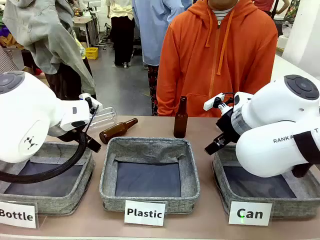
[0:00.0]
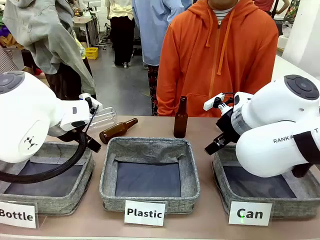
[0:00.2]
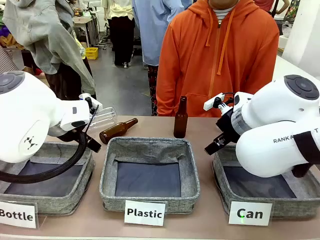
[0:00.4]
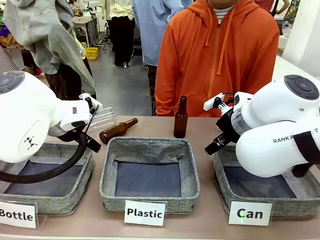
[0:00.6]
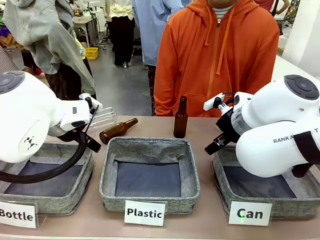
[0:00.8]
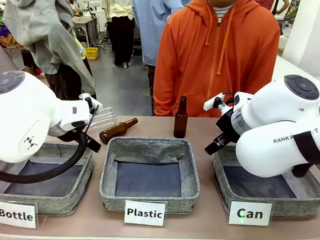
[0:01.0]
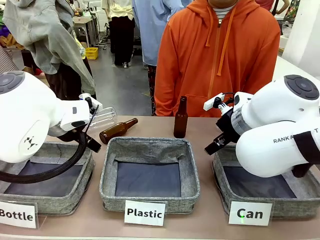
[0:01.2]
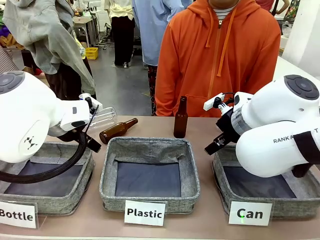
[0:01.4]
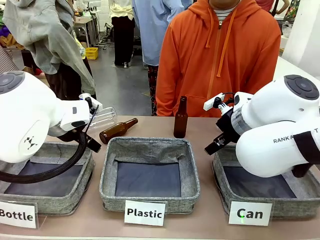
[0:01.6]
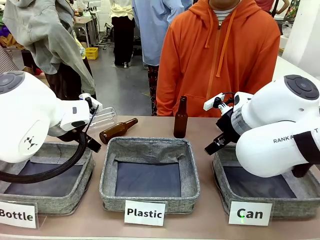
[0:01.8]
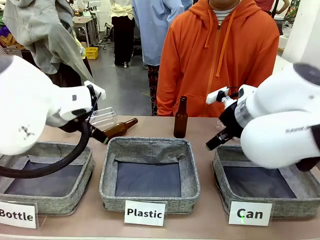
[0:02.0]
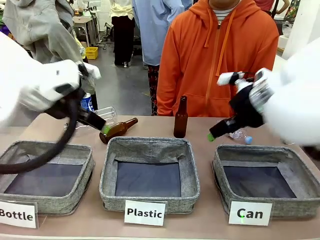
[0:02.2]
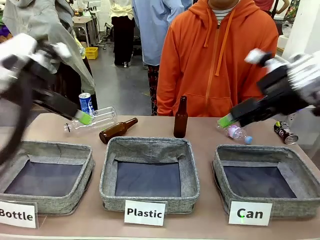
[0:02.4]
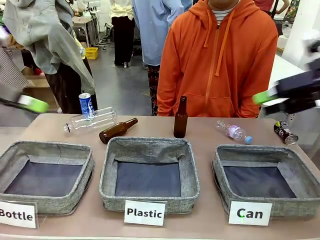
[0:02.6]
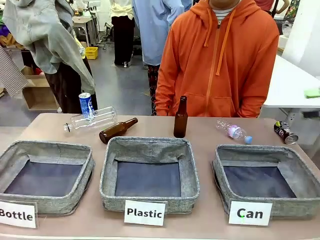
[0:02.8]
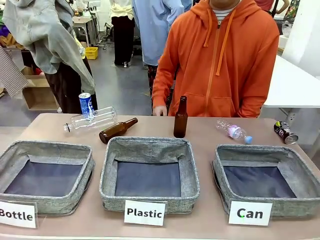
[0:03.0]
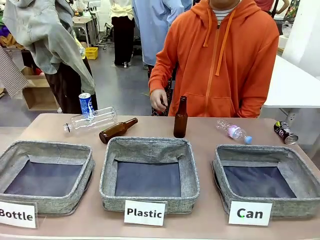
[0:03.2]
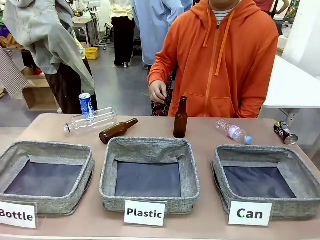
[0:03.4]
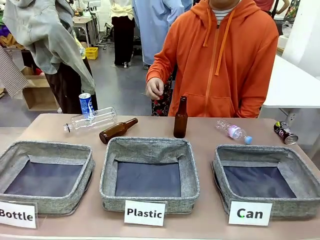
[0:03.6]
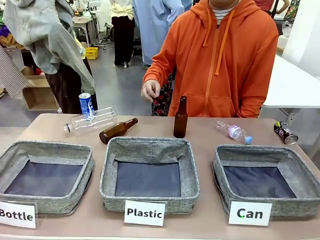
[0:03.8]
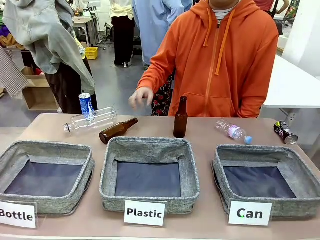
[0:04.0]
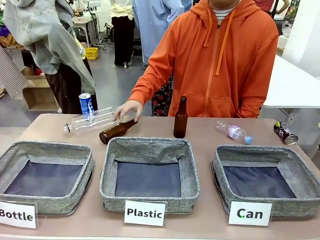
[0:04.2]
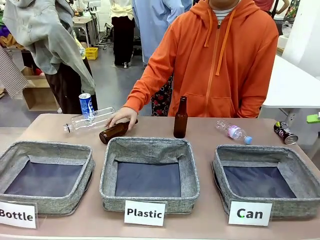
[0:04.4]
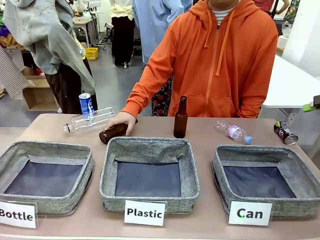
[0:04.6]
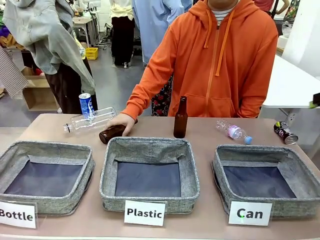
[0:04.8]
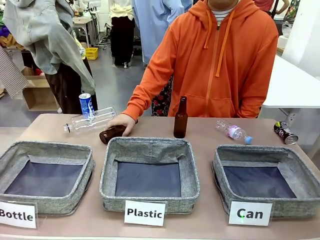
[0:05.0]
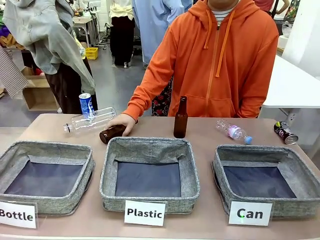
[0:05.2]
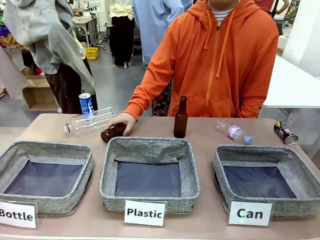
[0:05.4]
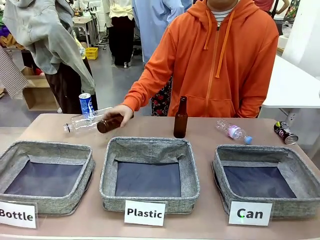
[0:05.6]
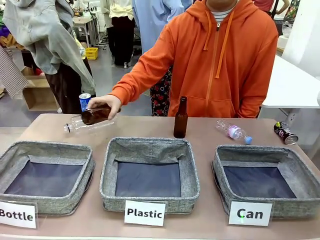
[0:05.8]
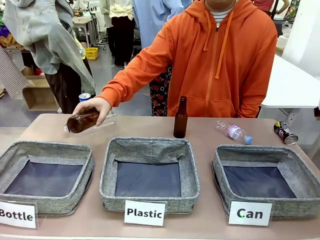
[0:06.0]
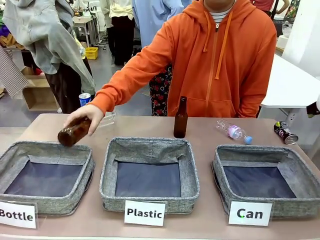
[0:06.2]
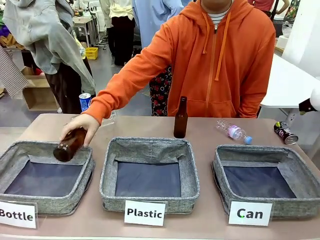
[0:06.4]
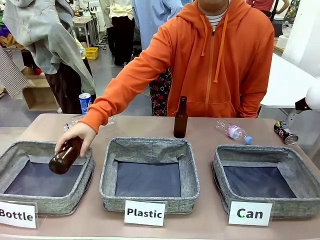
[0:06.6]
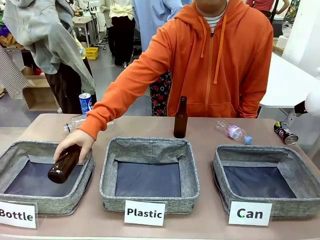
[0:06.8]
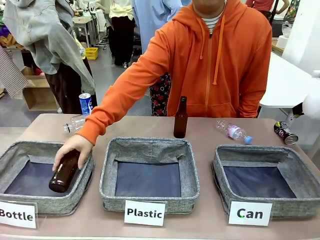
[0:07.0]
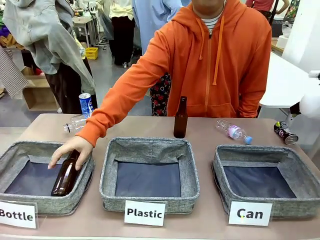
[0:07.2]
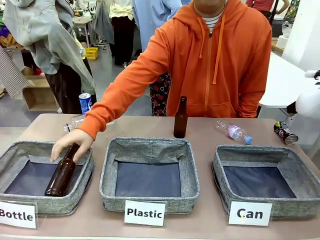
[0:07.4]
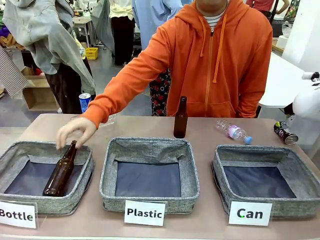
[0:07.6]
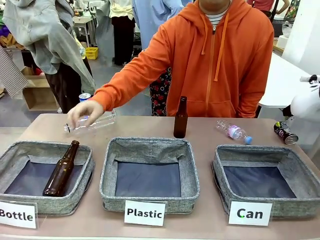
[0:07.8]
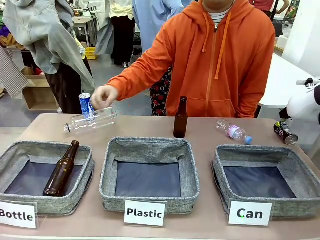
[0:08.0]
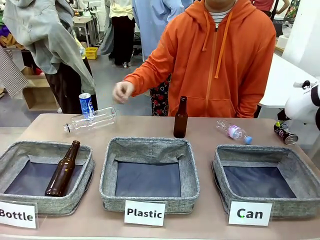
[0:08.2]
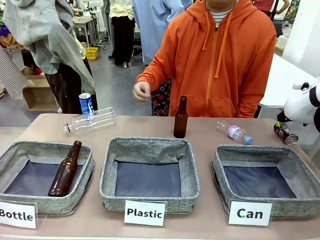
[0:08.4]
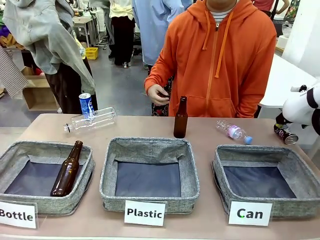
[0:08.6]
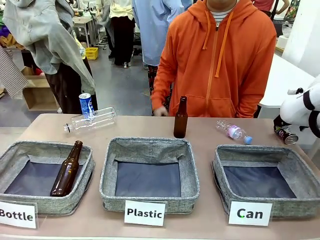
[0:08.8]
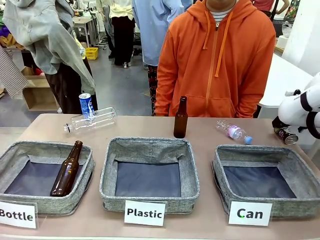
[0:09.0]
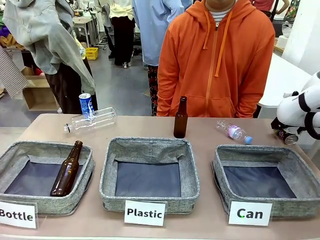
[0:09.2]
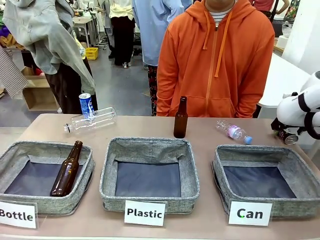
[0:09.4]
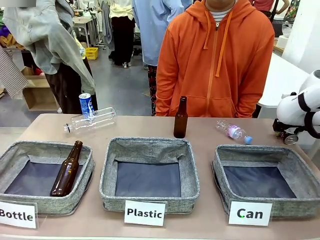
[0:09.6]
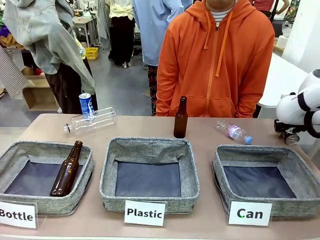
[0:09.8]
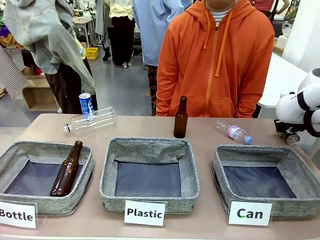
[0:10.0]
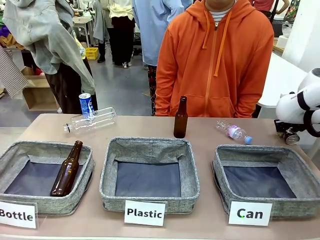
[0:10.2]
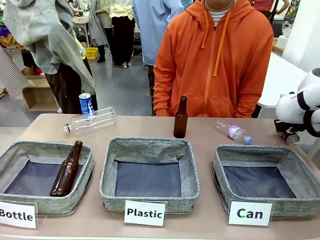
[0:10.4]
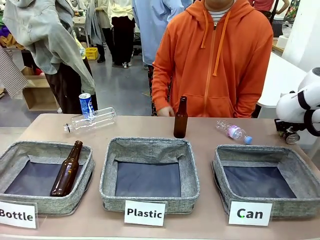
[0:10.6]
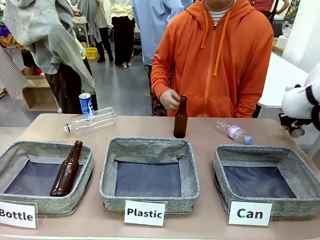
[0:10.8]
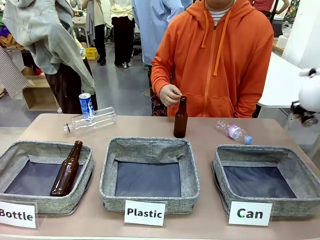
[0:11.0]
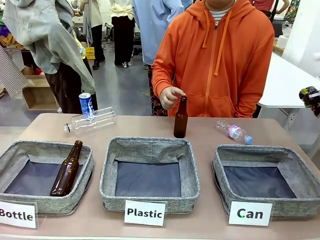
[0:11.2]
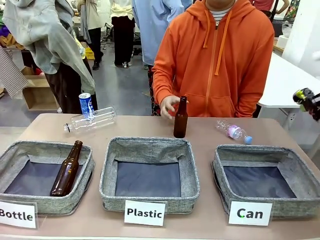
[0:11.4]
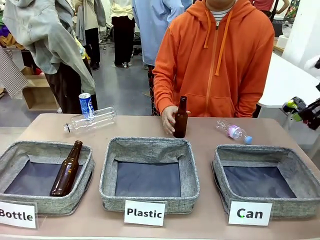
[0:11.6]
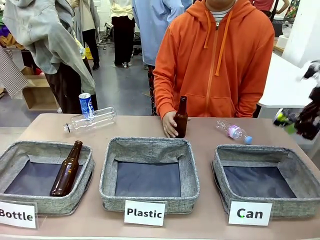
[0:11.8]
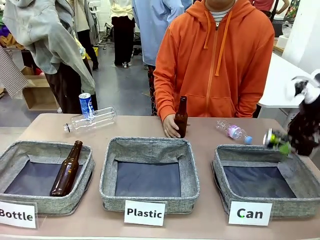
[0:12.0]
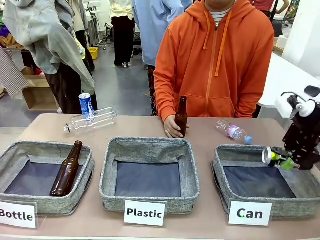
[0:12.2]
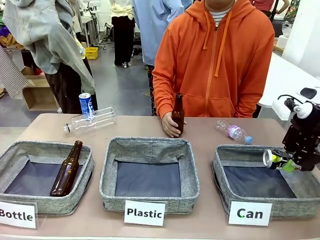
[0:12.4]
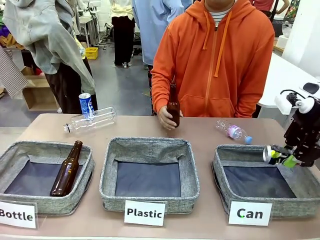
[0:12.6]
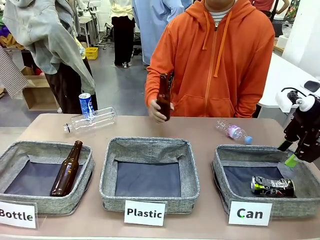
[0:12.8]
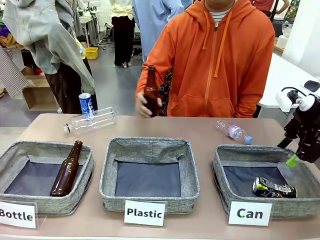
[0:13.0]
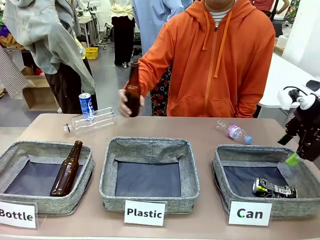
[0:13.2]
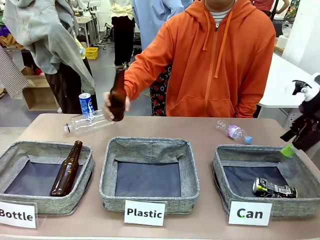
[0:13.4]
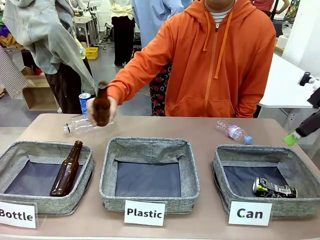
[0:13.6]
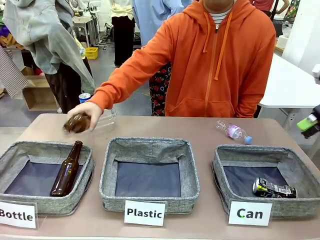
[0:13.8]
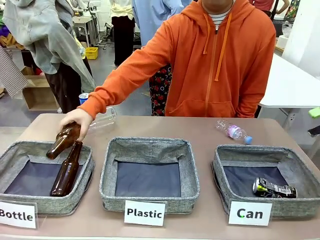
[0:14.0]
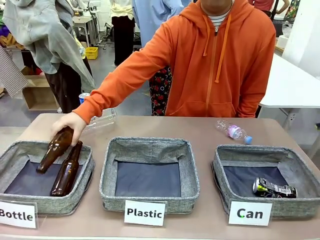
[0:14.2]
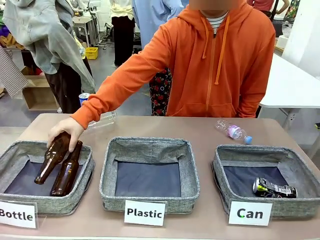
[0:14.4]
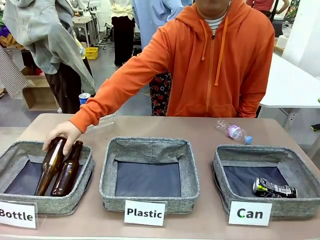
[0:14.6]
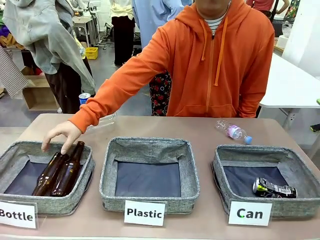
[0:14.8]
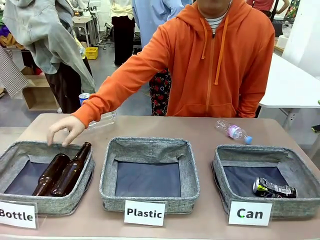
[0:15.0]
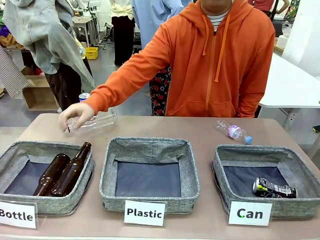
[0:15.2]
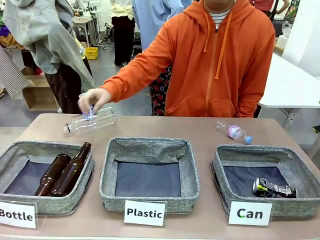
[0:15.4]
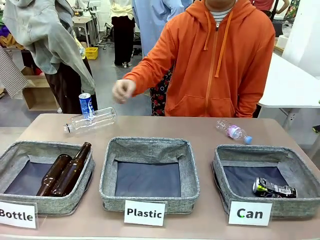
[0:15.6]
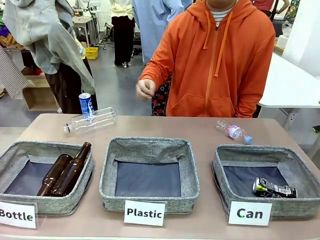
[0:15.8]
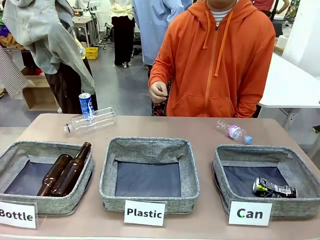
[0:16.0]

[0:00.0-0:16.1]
Task: Sort the can waste into the basket.
Robot: Pick up the can waste from the table and place it in the right Fabric basket.
